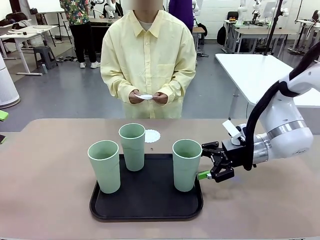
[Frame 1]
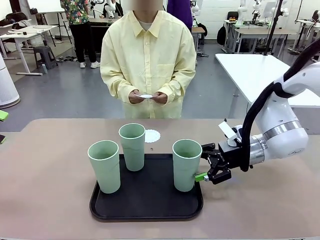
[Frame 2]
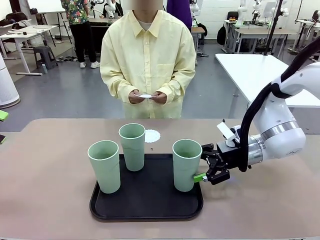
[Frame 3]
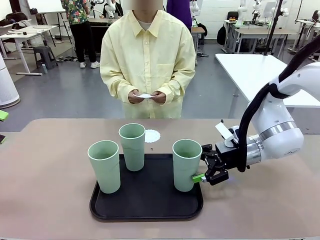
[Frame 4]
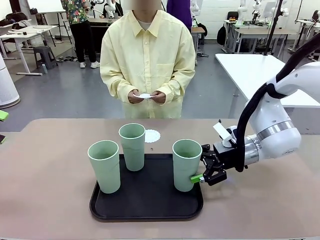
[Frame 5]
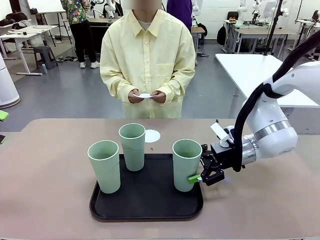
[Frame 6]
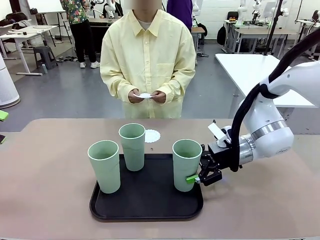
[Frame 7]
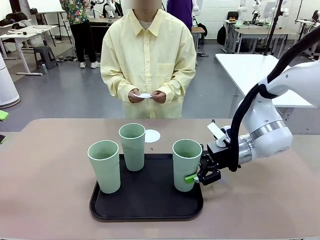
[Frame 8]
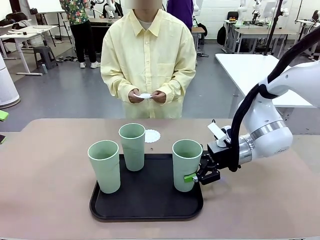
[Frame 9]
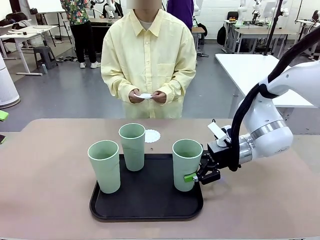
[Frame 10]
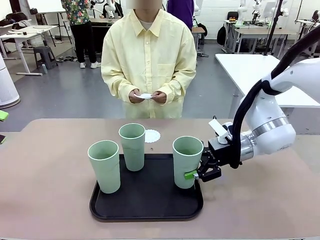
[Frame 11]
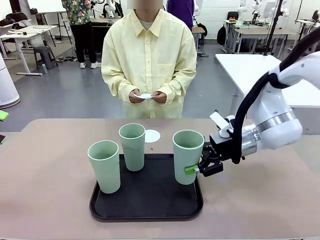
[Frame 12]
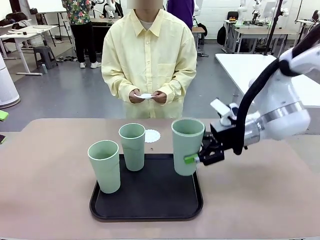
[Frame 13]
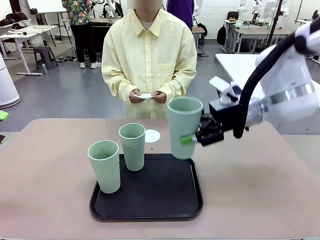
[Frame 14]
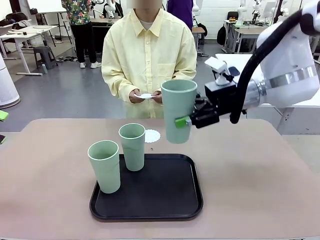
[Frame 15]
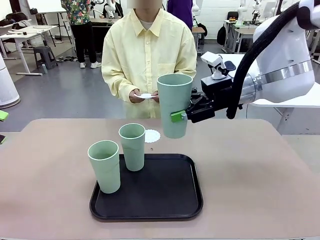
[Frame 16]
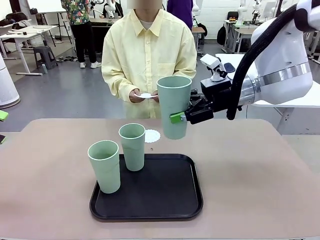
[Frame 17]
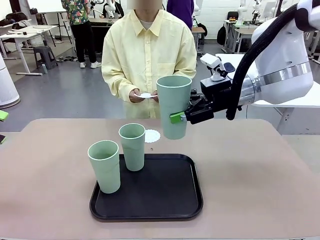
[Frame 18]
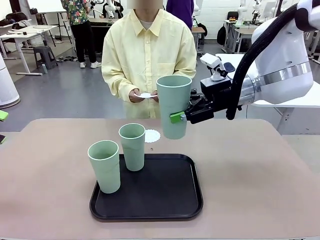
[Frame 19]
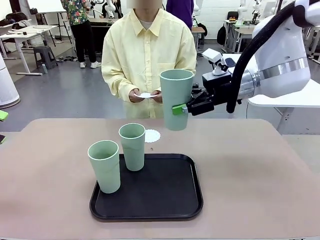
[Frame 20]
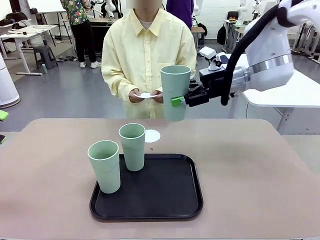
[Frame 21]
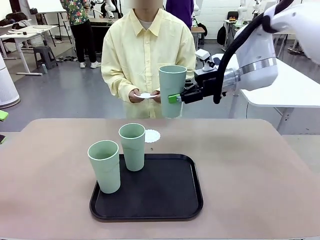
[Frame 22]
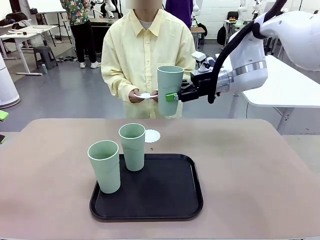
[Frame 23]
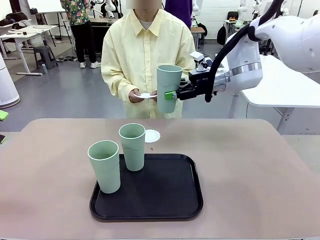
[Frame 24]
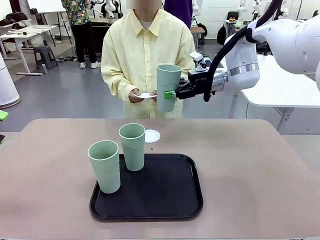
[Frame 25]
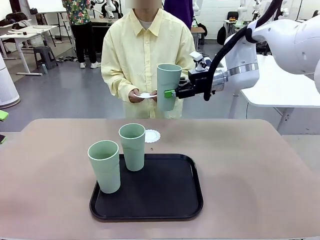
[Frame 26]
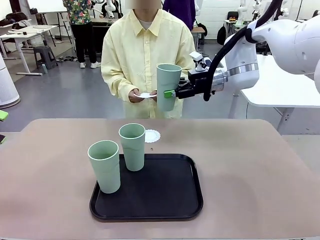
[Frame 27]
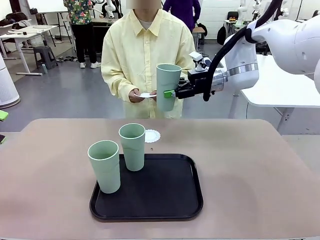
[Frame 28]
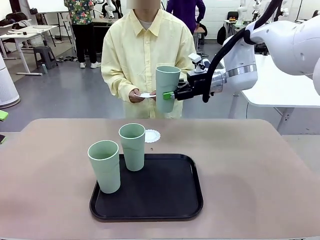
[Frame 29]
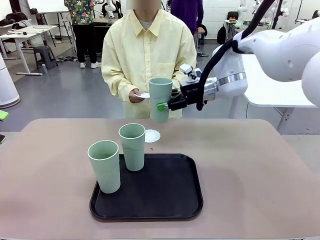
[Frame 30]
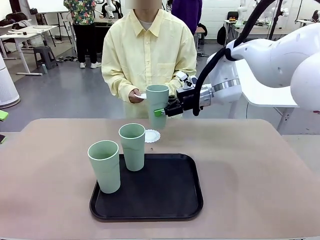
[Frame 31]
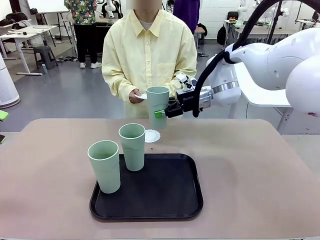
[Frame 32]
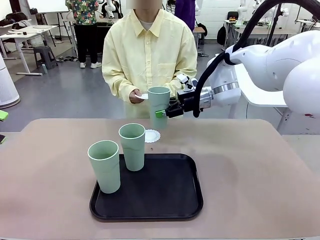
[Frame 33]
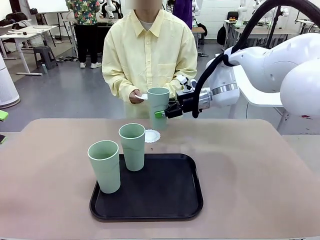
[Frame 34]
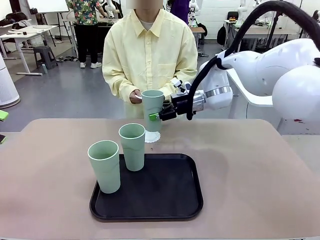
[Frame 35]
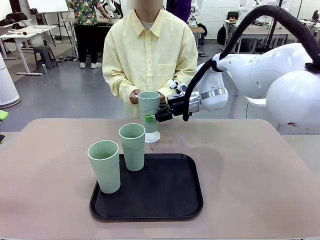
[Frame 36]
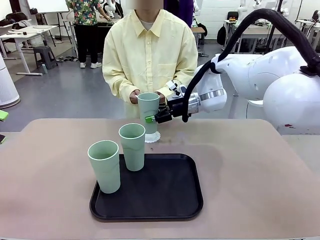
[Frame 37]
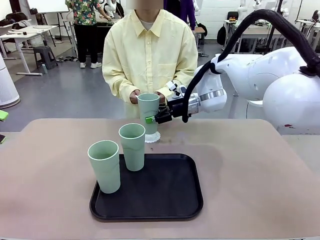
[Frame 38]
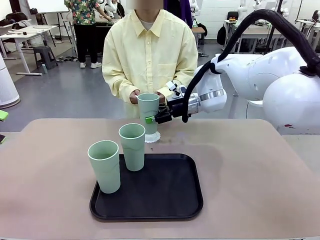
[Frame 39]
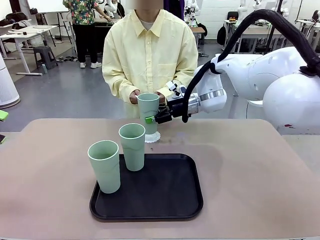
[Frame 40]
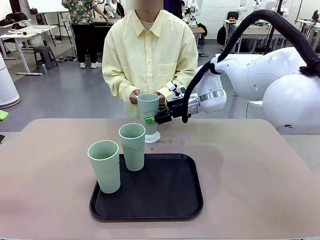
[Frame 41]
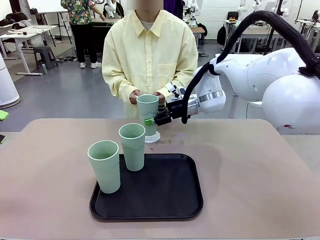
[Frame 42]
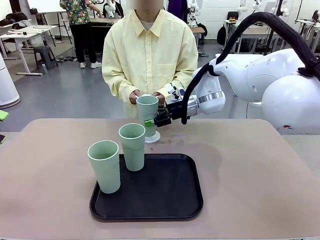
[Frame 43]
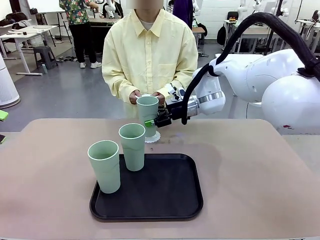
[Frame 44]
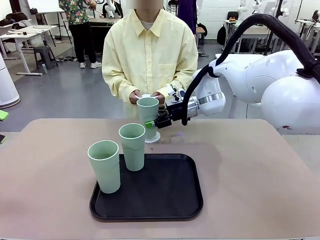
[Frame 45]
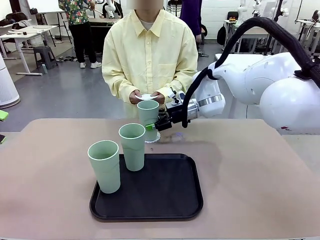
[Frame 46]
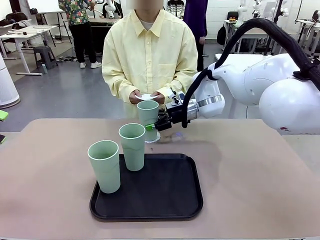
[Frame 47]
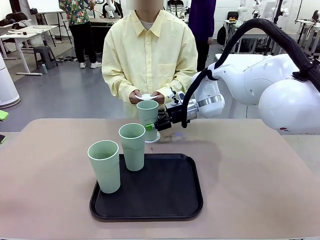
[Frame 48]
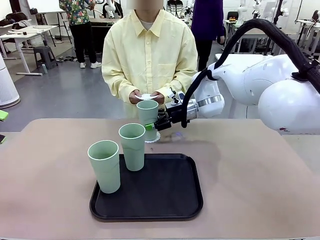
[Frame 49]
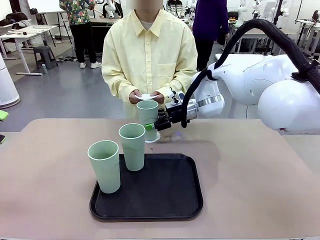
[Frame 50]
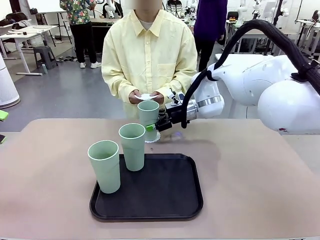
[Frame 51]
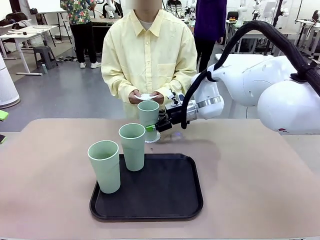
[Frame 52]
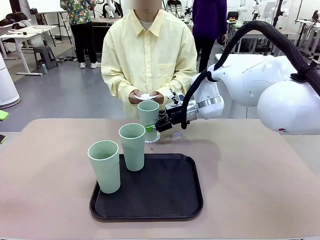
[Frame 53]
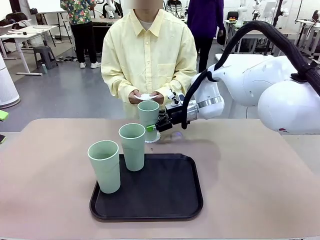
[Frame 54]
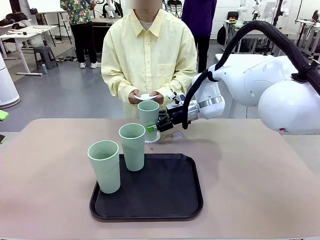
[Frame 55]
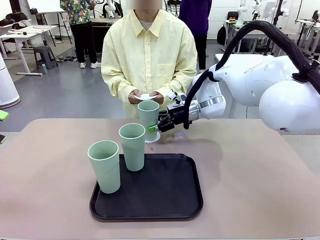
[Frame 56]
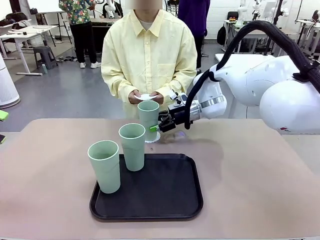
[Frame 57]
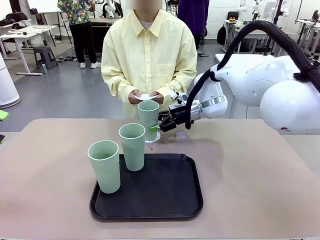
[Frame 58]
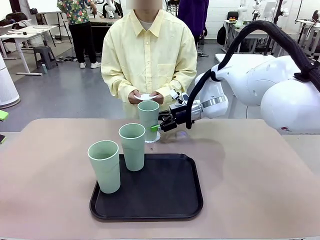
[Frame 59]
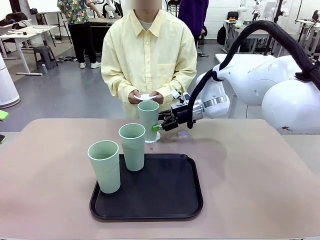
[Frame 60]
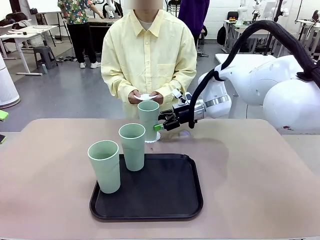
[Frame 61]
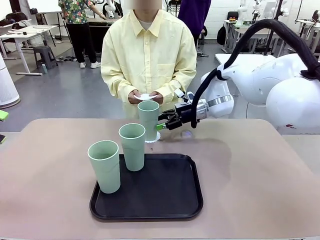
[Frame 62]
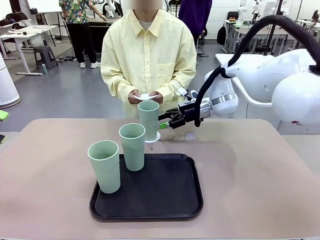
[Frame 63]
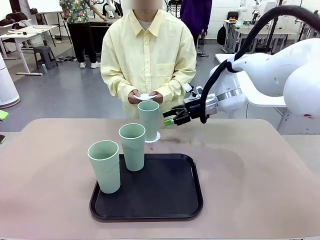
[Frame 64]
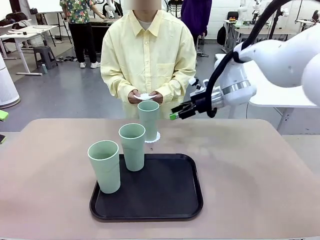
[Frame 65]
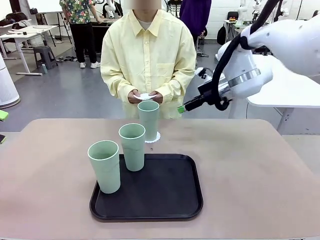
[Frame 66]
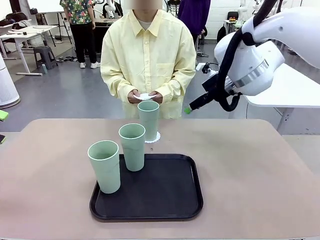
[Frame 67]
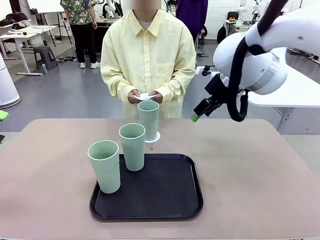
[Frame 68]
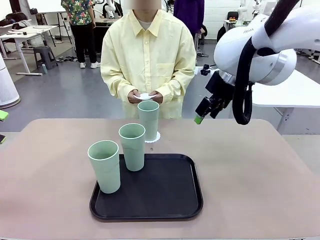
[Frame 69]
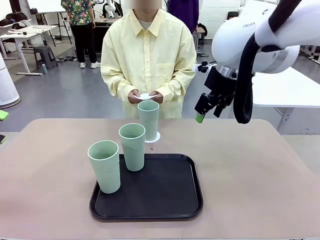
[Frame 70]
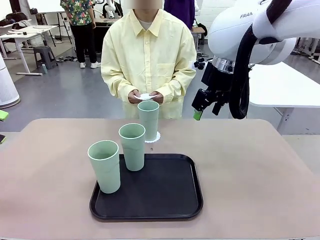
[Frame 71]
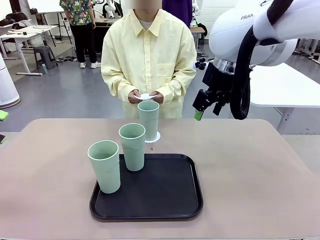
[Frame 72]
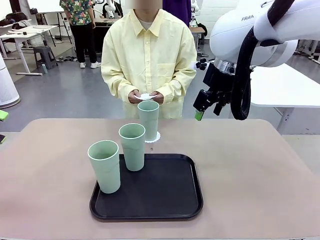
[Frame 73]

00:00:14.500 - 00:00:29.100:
Task: Place coasters on the table and set cups on them.
Robot: Pick up one Reusable plastic cup and place it on a coaster set by the human.
Person: Place one coaster in one of the two areas excluding the previously selected area.
